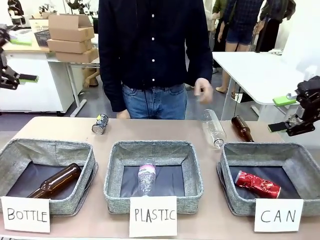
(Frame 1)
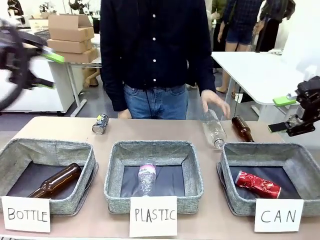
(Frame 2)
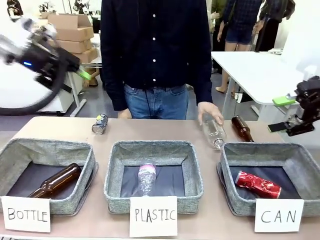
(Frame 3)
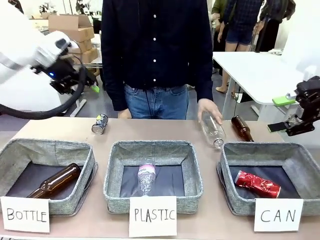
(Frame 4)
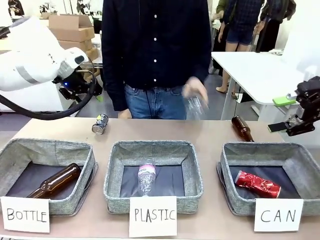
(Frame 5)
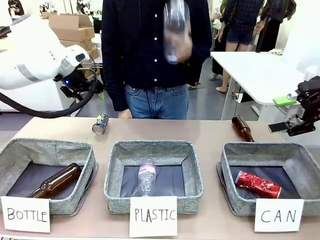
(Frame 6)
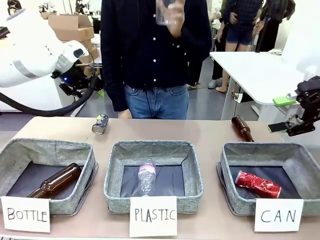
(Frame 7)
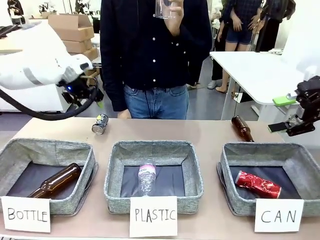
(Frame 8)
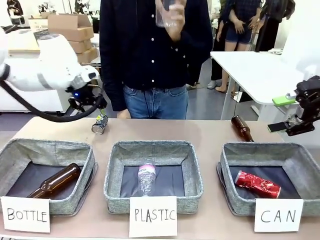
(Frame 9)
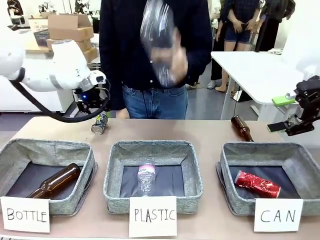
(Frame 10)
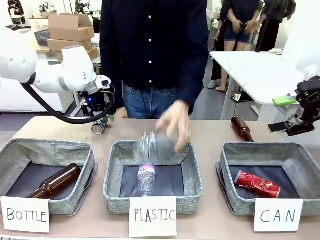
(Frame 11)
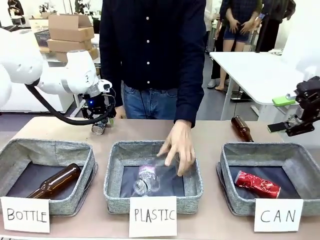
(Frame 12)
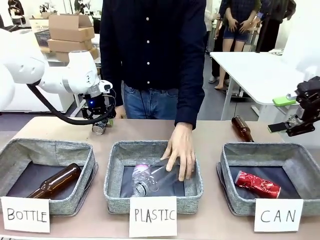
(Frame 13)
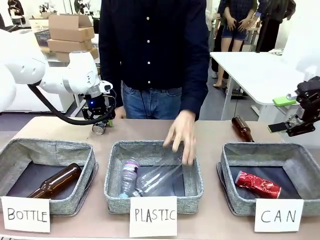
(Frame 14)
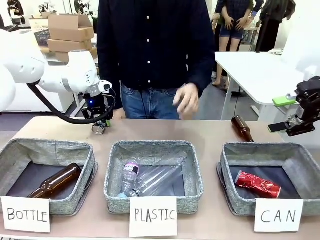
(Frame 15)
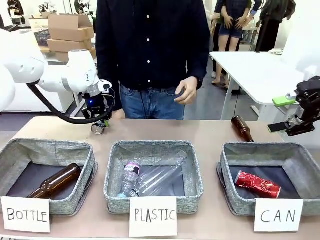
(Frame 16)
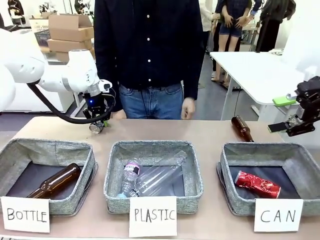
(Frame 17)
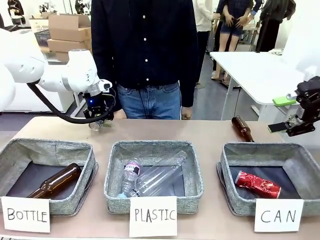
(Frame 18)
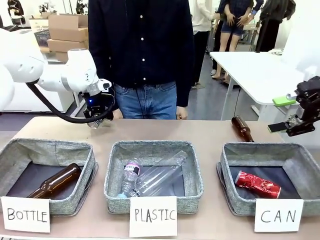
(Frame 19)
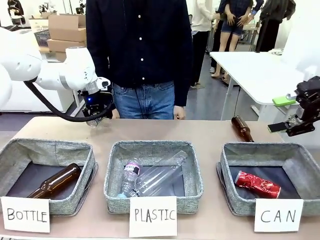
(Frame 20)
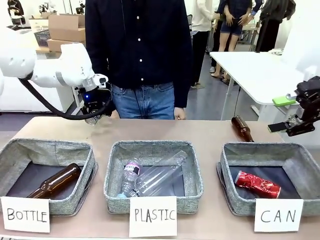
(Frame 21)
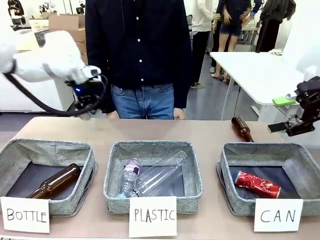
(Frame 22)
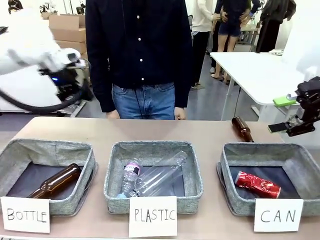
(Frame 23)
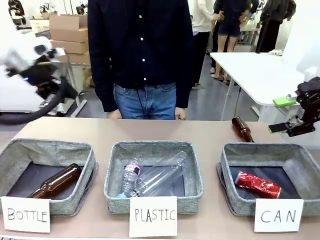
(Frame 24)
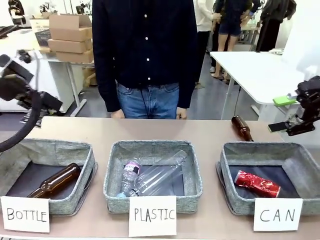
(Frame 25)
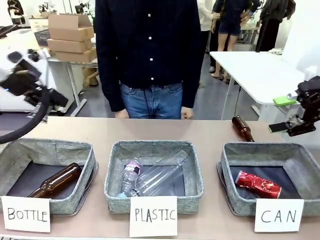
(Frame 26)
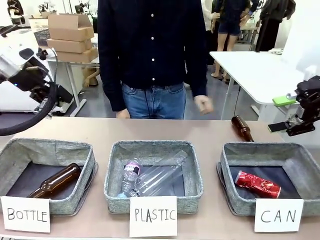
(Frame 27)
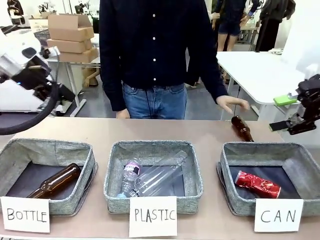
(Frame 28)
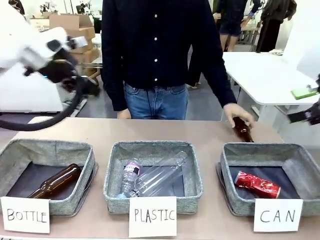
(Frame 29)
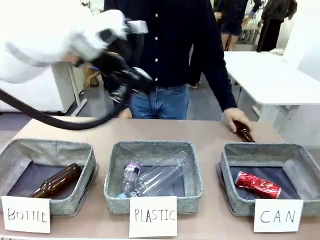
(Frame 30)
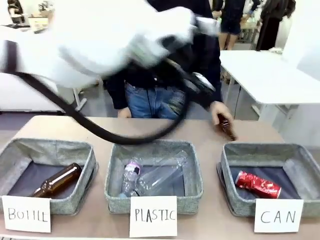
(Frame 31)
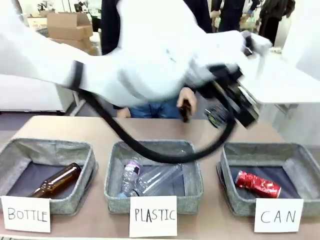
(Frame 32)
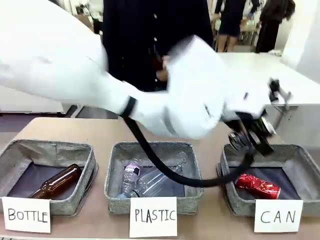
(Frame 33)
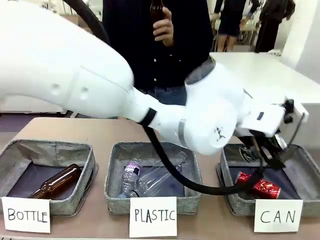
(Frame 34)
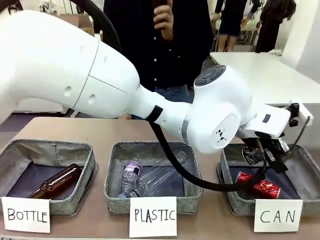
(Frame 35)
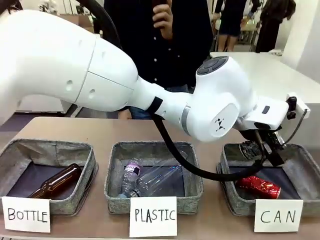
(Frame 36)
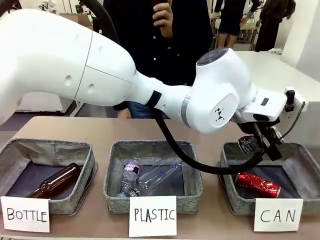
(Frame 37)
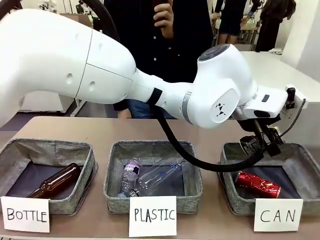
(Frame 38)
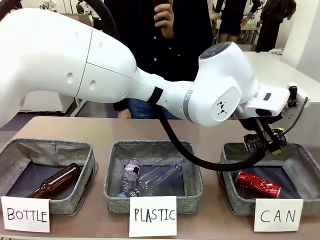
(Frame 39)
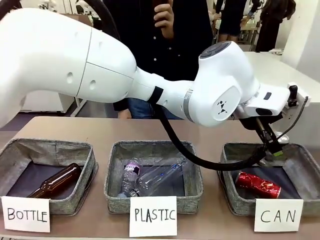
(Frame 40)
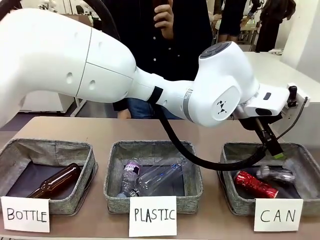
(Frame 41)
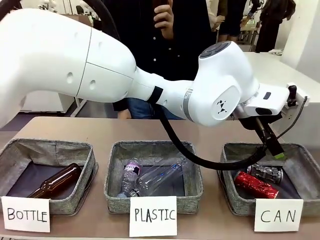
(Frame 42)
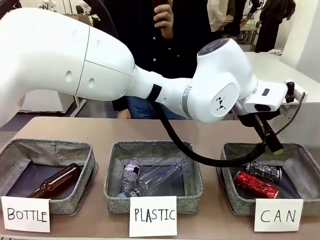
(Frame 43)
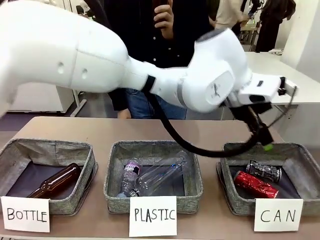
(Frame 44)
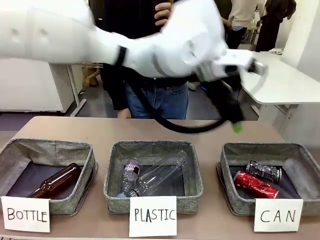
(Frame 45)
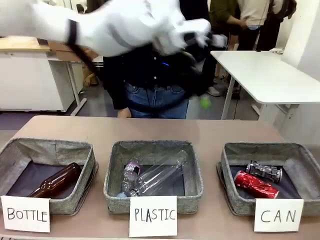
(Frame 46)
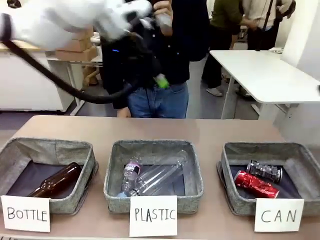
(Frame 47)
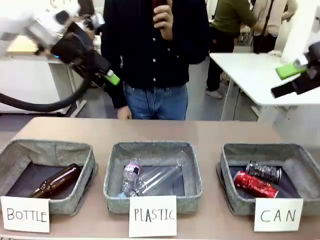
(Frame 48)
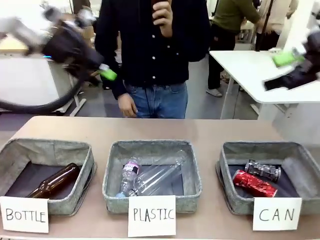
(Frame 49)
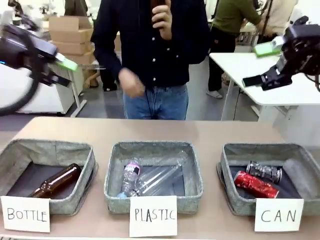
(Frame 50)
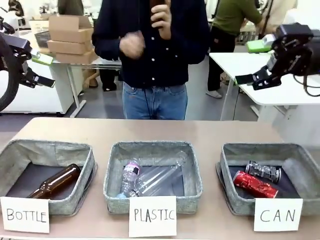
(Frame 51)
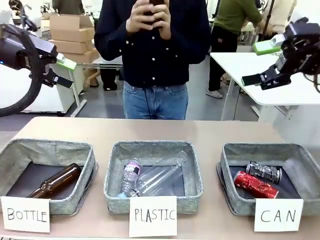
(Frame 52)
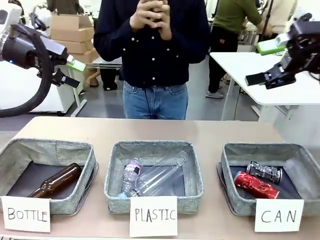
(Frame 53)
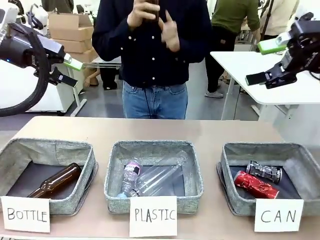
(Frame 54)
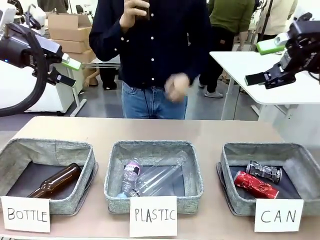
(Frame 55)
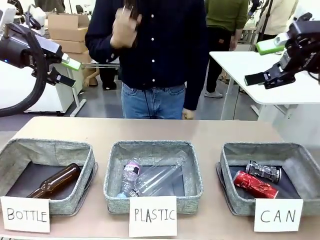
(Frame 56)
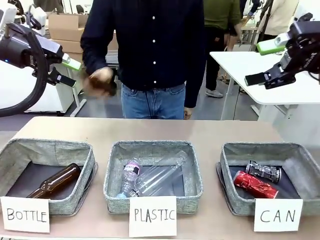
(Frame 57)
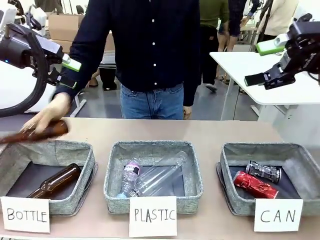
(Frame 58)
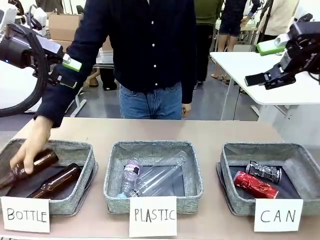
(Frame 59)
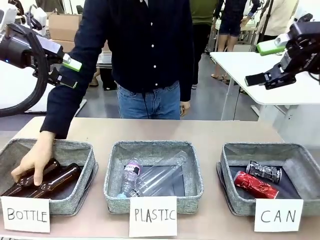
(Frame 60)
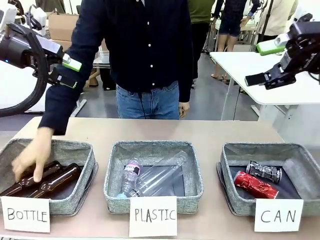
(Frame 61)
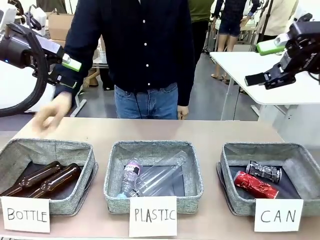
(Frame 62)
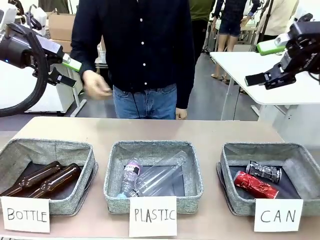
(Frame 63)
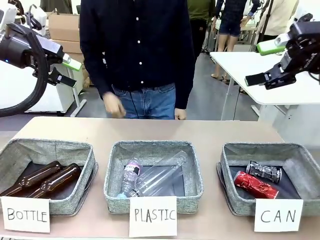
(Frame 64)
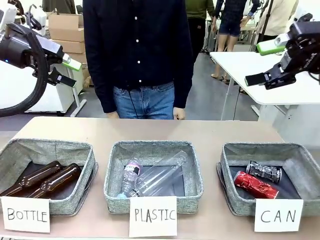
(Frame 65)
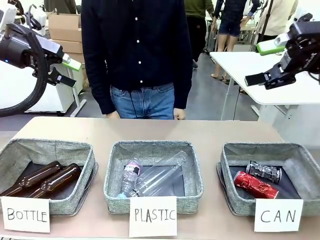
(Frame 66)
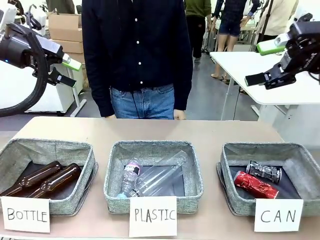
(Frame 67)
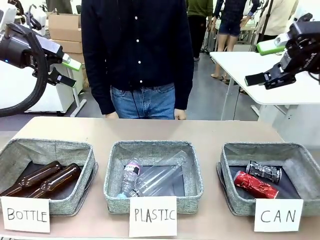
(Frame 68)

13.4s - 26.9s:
Task: Sort the can waste into the basket.
Robot: Pick up the can waste from the table and place it in the right Fabric basket.
Person: The human picks up one piece of trash that is not a can and places the trash into the appropriate organizing basket.
